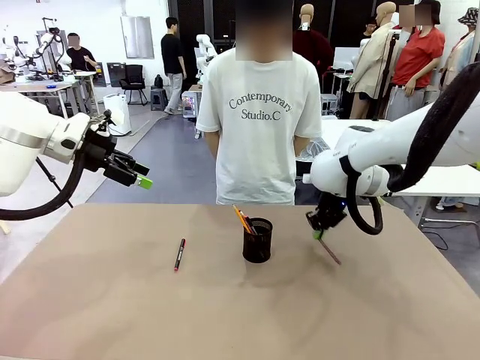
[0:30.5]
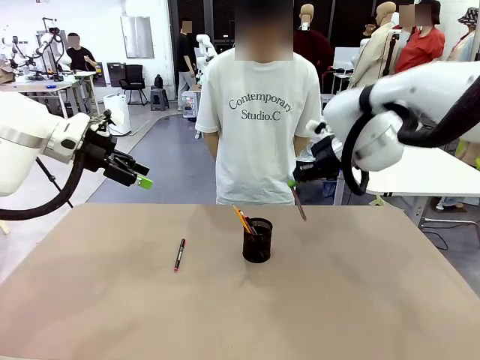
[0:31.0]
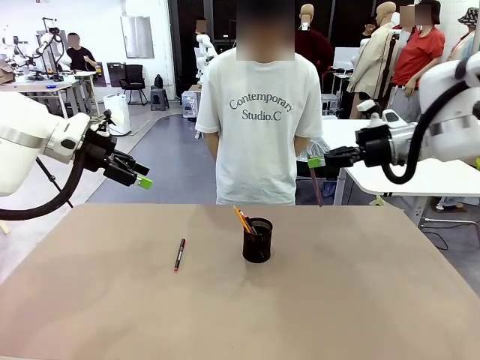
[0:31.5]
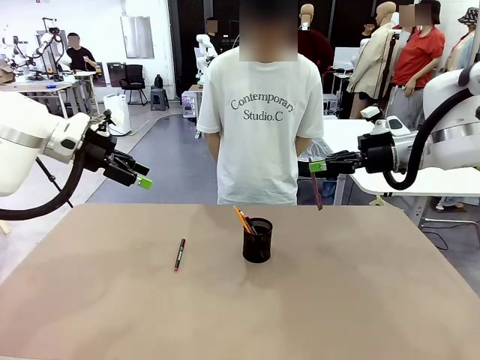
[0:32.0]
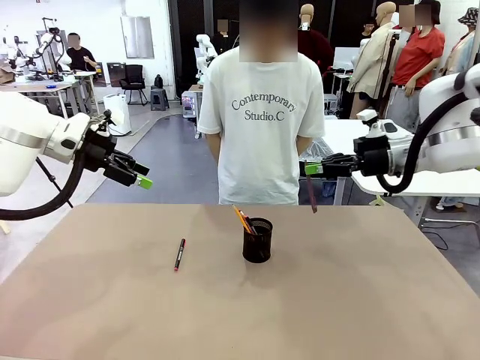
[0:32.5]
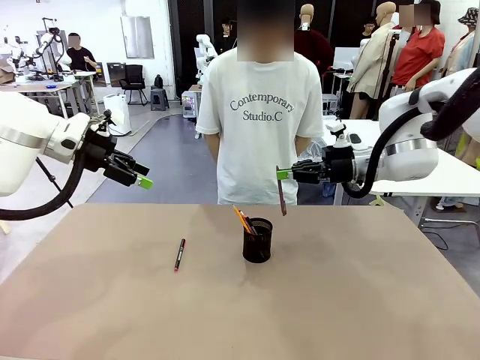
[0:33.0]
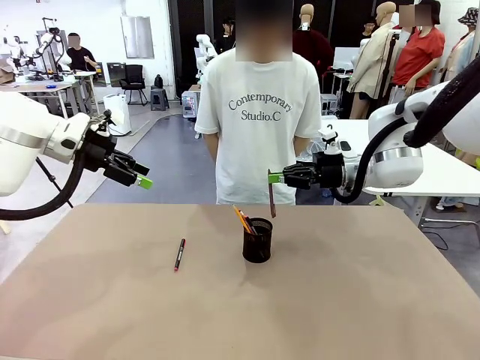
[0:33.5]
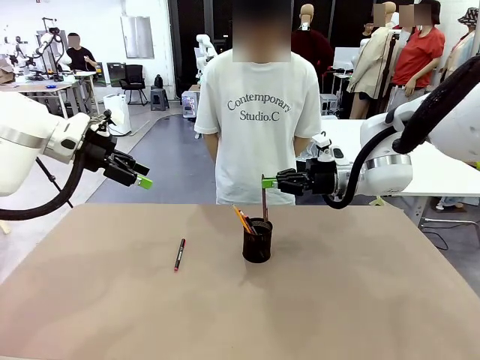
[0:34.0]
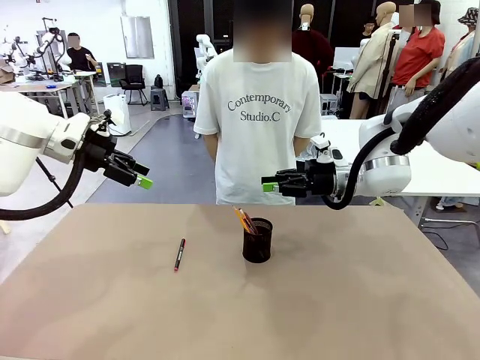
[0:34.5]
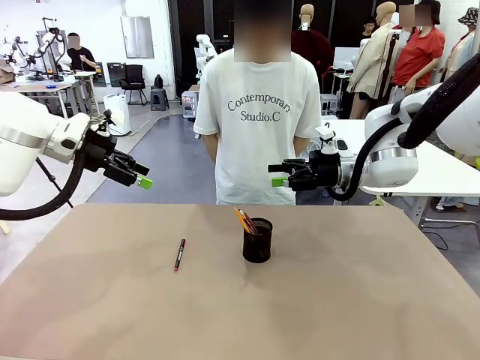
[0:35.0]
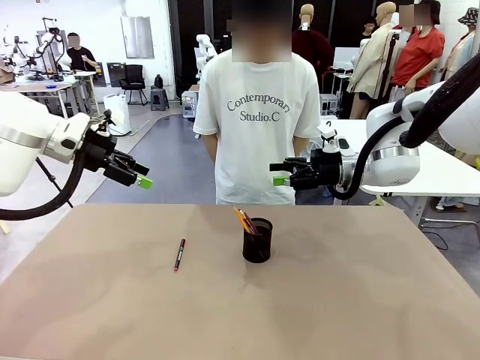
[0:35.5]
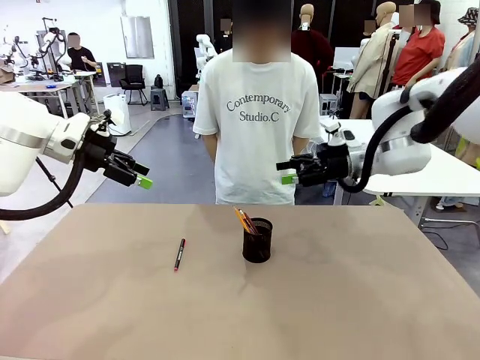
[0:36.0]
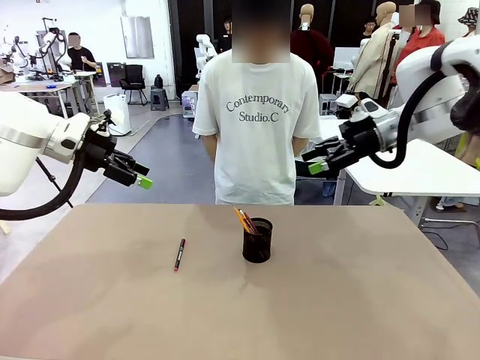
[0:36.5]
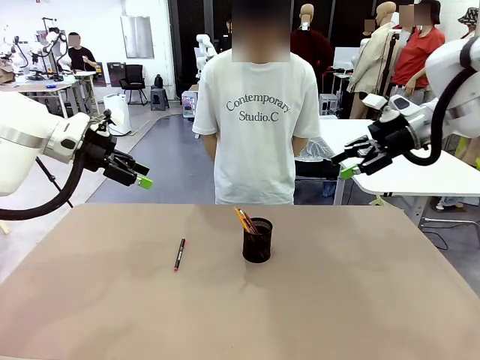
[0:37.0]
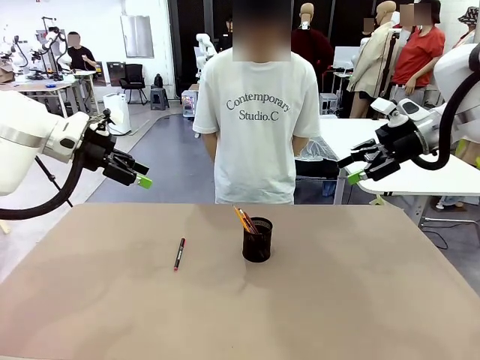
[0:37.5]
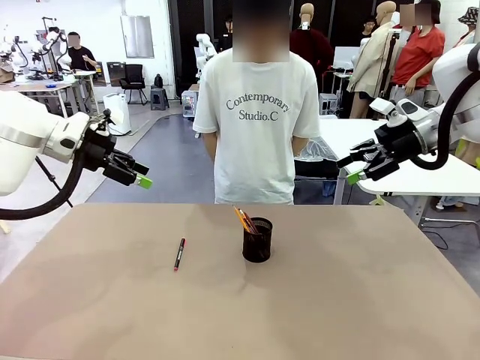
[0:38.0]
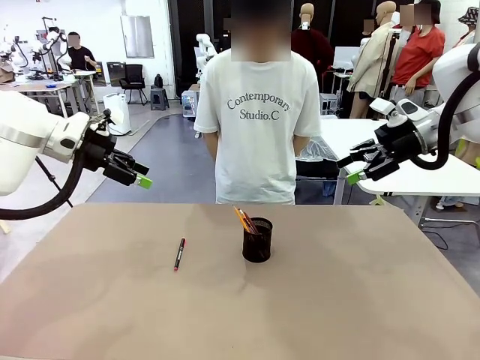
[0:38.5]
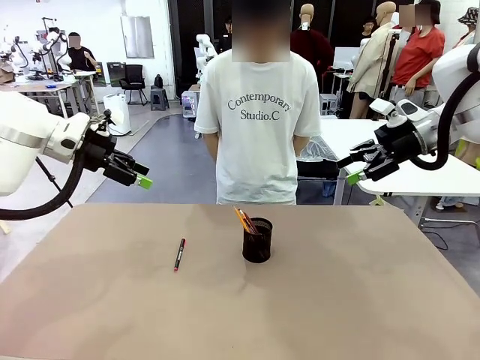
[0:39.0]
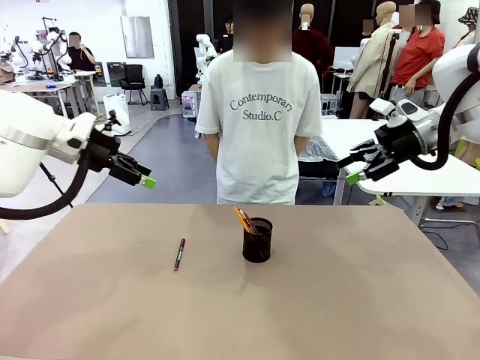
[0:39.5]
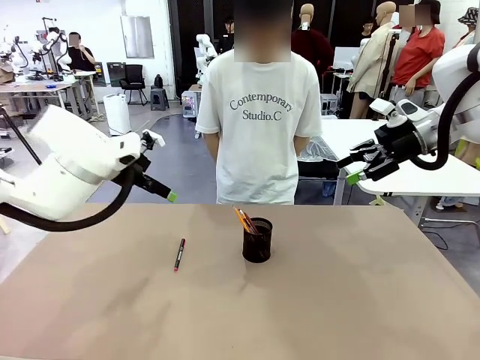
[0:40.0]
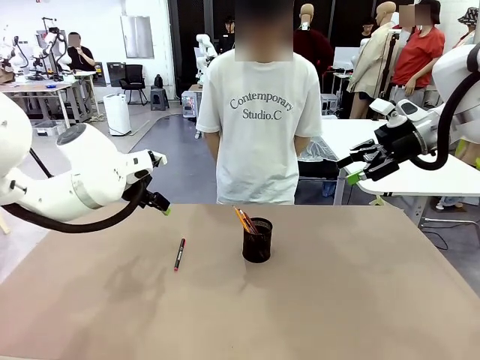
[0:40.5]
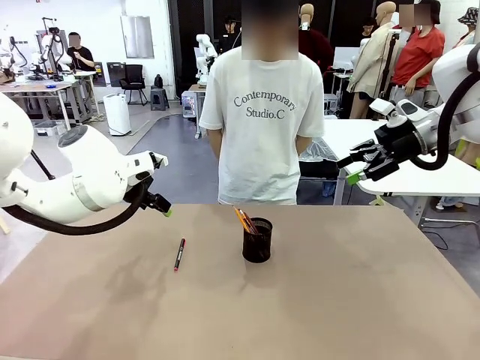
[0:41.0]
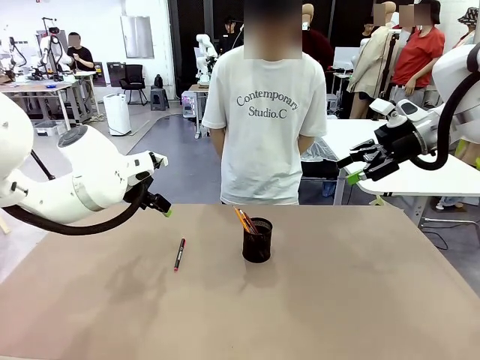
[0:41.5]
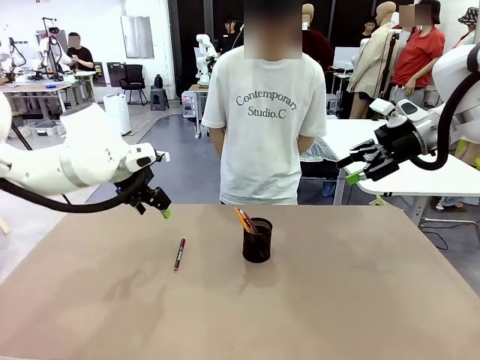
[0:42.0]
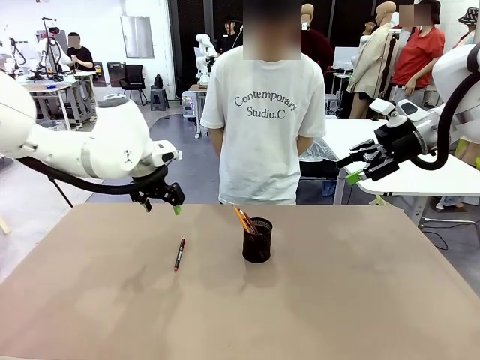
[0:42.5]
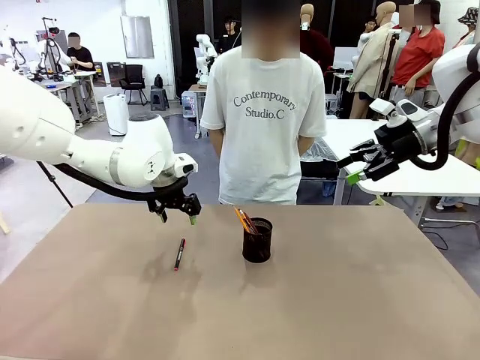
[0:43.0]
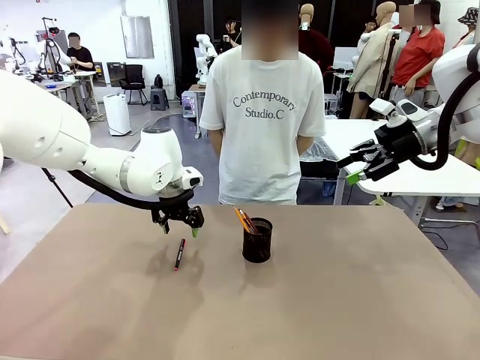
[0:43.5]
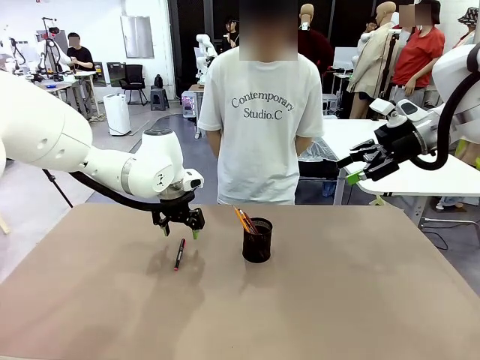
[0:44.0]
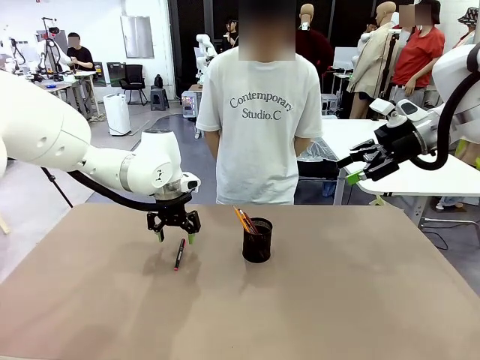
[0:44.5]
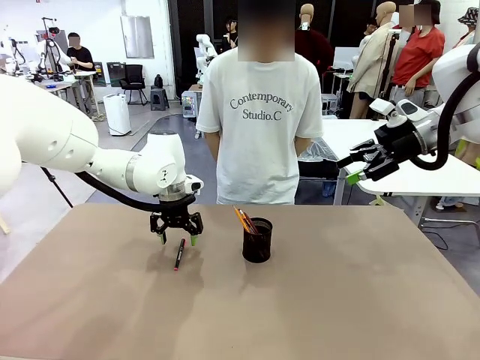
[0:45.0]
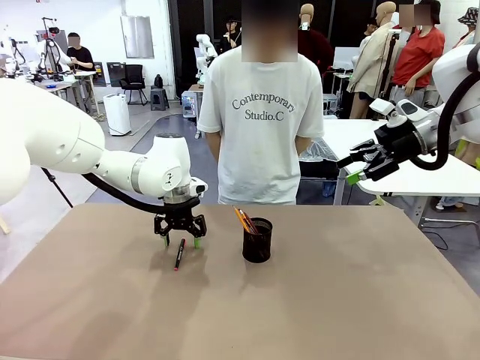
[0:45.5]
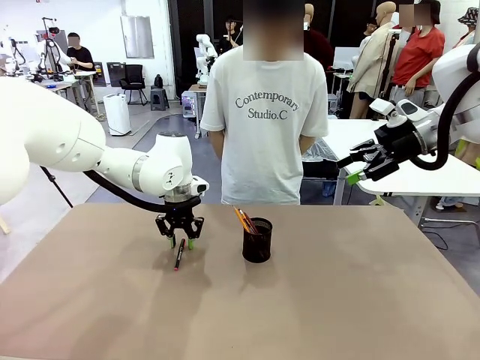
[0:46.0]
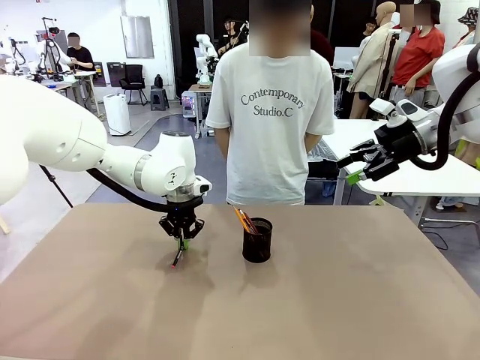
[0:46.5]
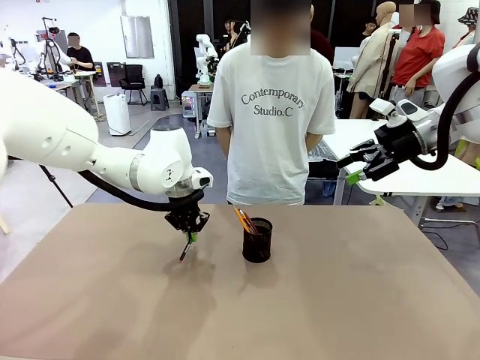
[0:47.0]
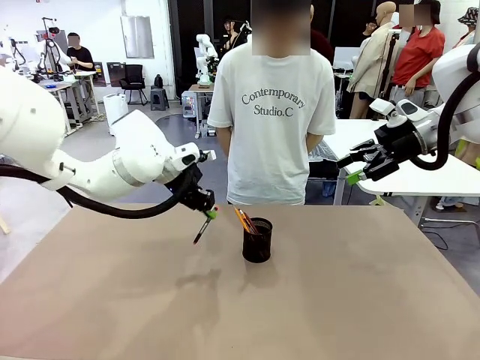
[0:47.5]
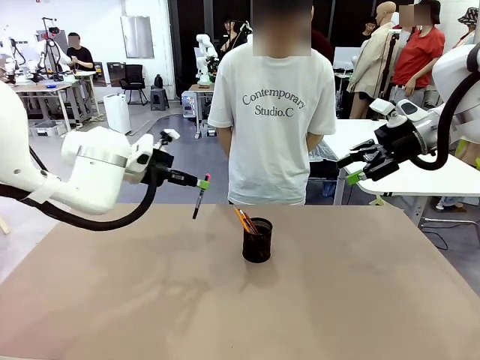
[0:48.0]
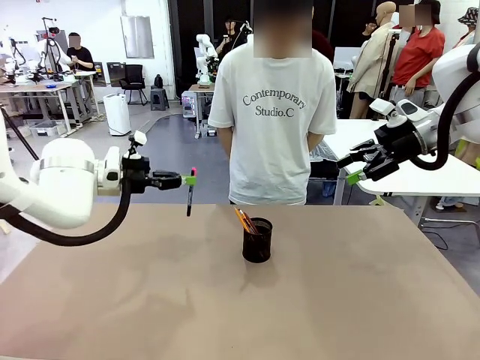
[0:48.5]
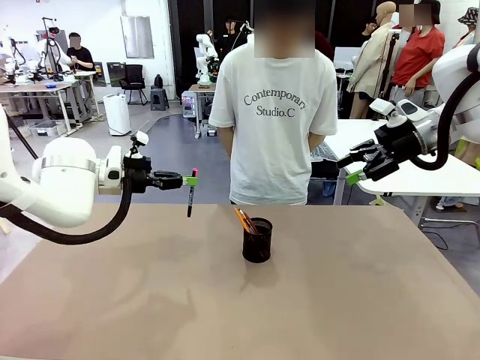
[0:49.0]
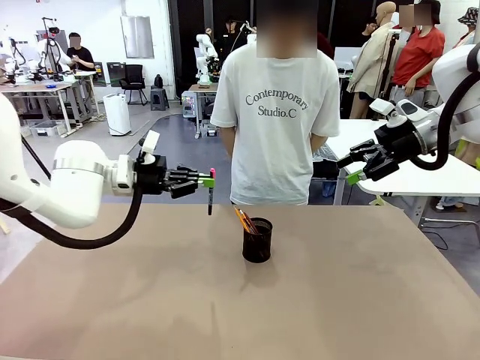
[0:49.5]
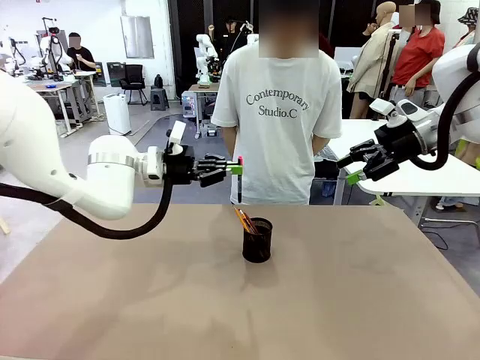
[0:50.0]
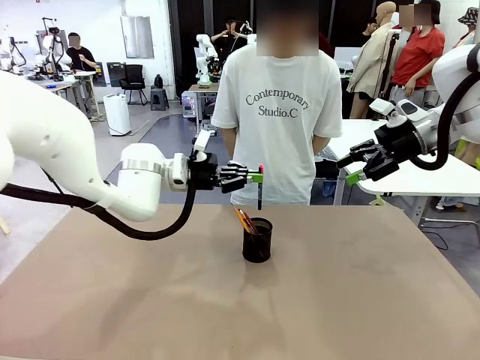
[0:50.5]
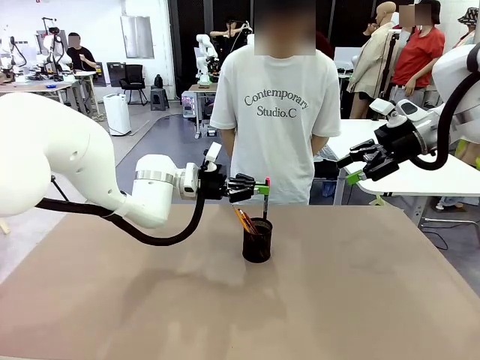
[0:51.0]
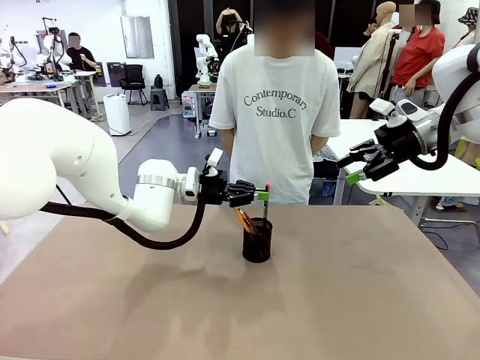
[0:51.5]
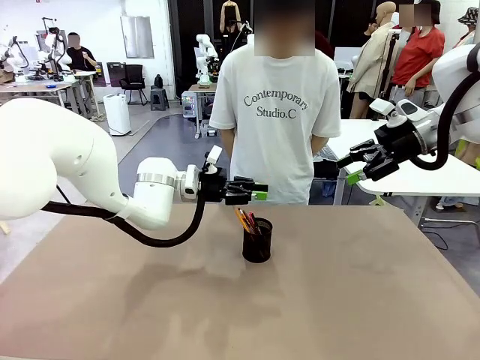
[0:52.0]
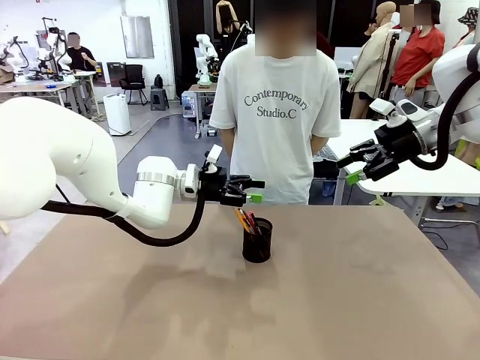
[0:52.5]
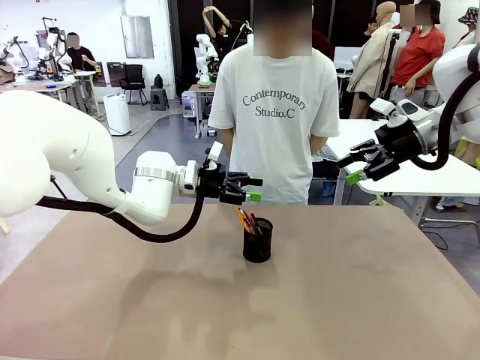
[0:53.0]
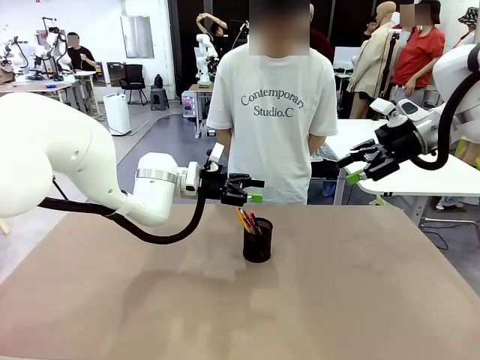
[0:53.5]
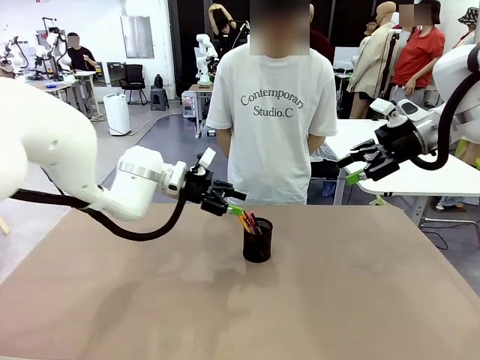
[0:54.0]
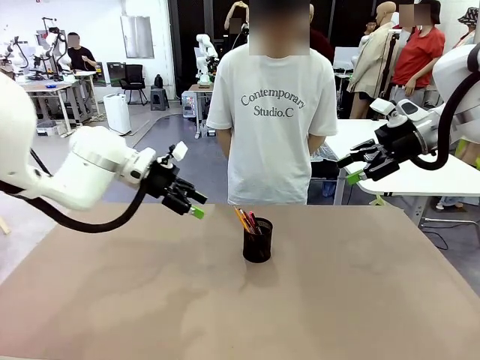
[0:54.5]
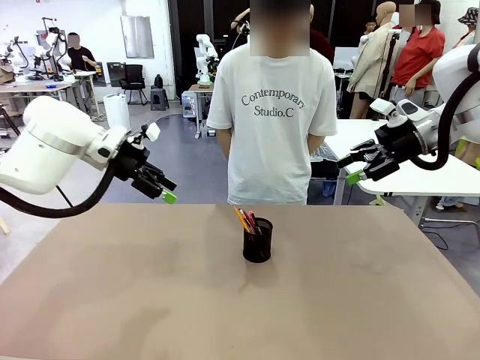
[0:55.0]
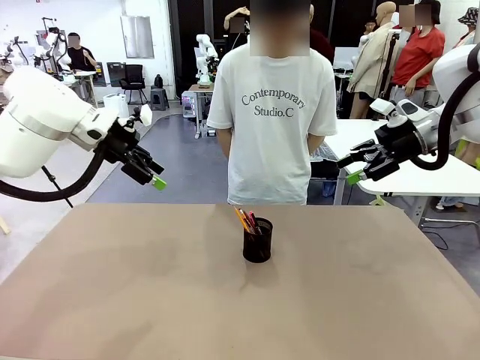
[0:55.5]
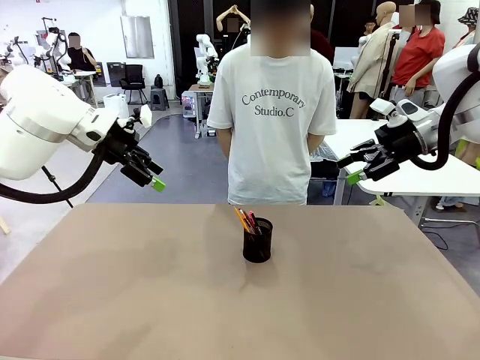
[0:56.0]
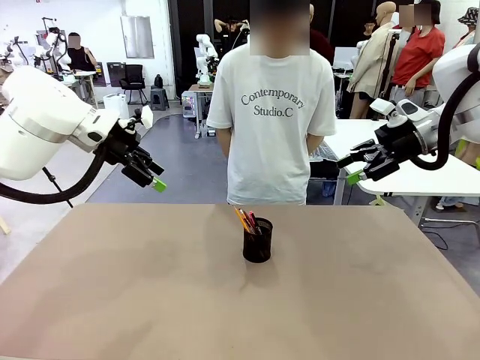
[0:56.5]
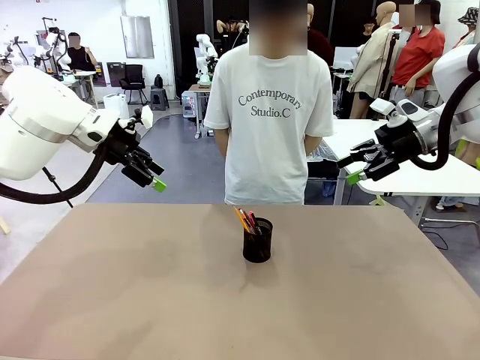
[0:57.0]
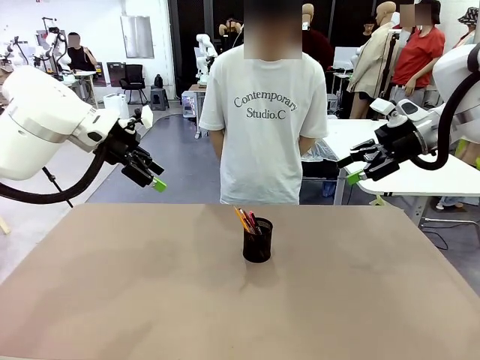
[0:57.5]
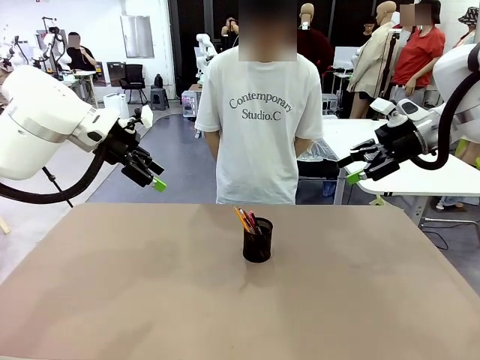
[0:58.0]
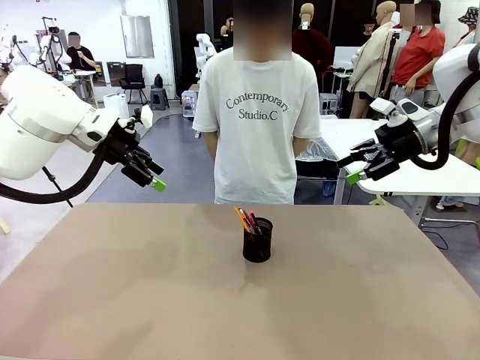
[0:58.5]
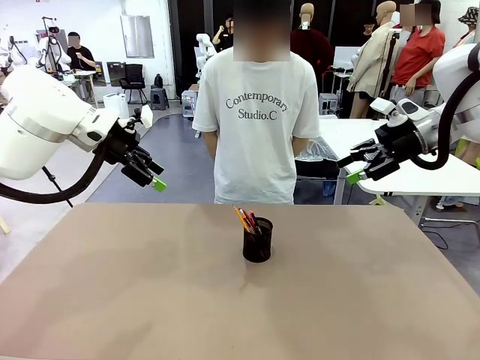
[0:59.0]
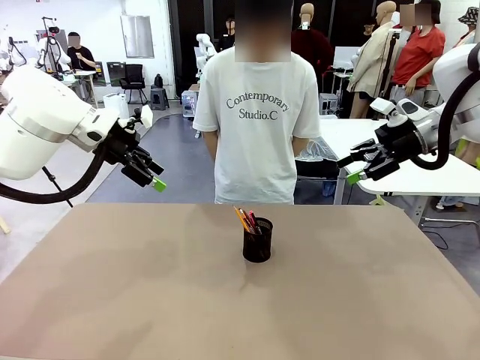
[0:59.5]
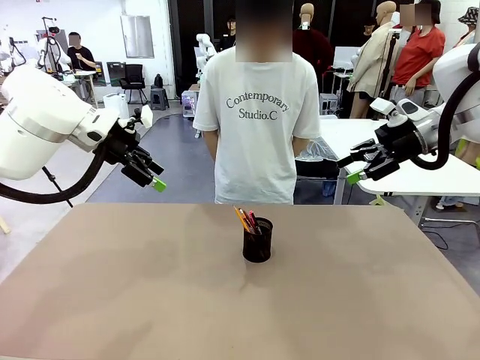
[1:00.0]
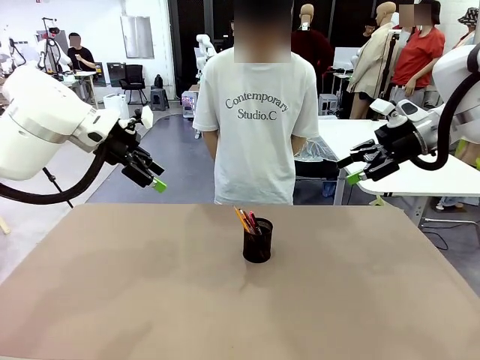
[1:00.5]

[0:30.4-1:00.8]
Task: Place the pens into the pen holder.
Robot: Pick up a writing instrument from the table and place it into the Pen holder.
Person: Place all writing instrument into the Pen holder.
